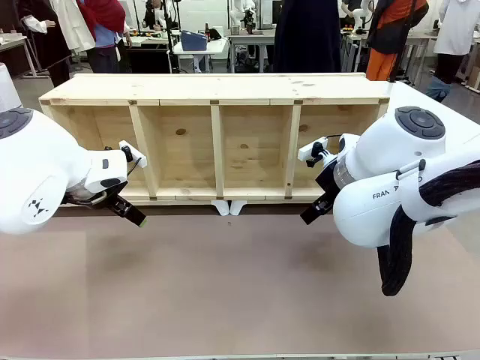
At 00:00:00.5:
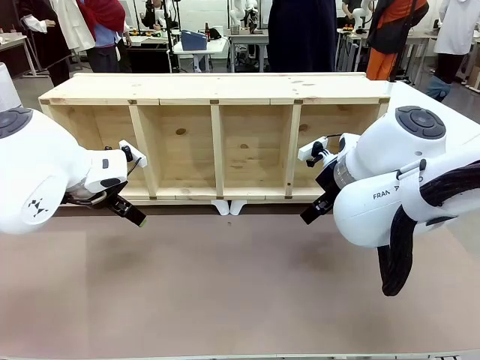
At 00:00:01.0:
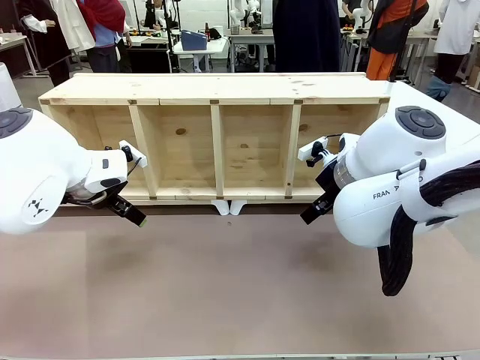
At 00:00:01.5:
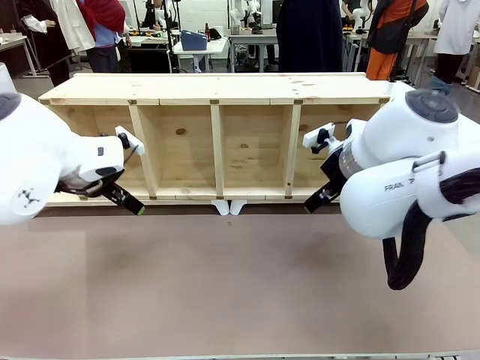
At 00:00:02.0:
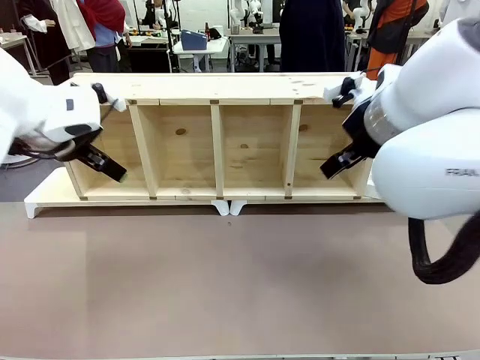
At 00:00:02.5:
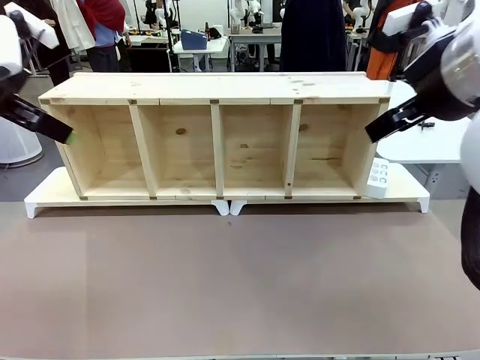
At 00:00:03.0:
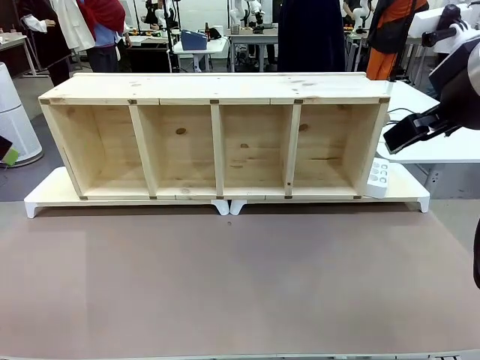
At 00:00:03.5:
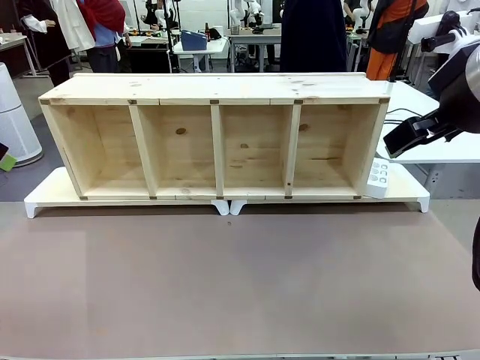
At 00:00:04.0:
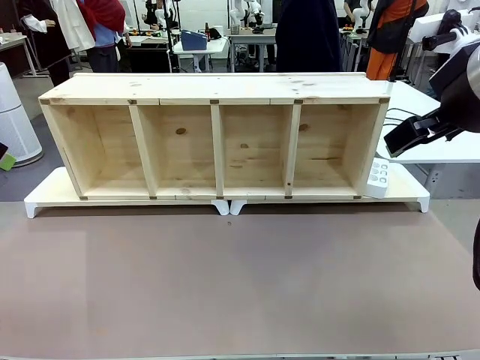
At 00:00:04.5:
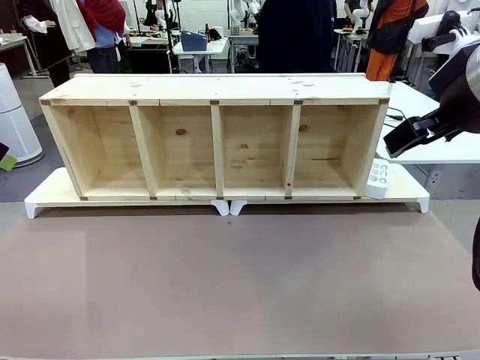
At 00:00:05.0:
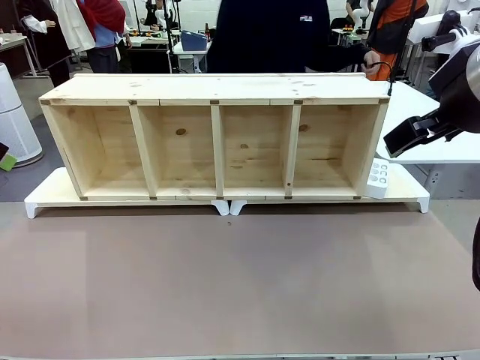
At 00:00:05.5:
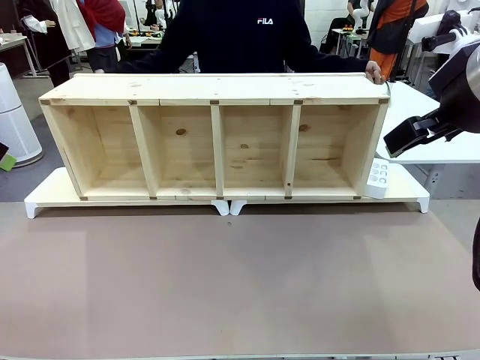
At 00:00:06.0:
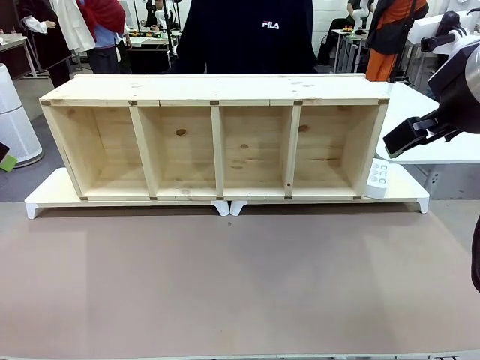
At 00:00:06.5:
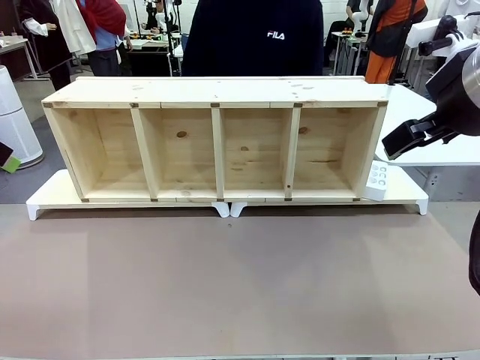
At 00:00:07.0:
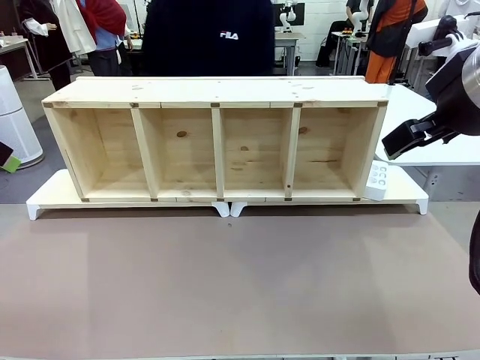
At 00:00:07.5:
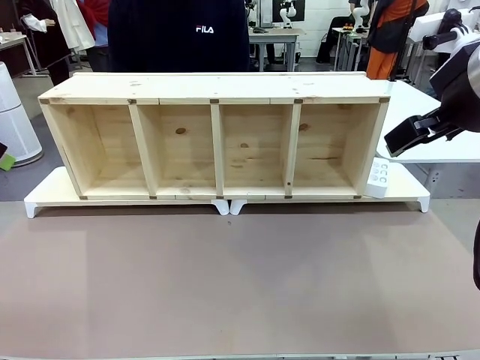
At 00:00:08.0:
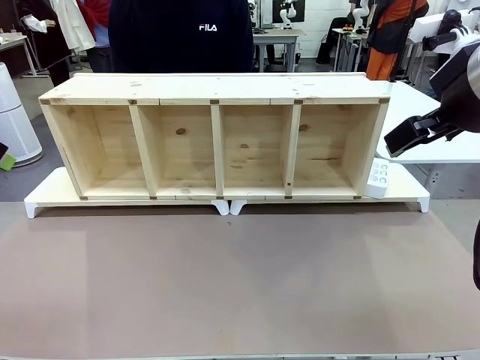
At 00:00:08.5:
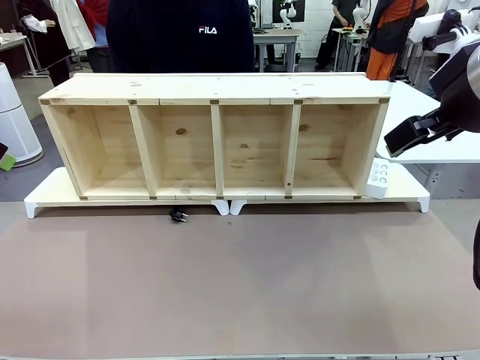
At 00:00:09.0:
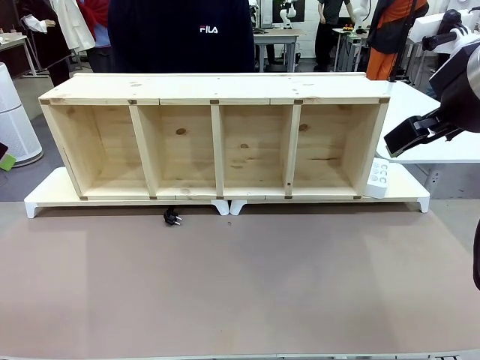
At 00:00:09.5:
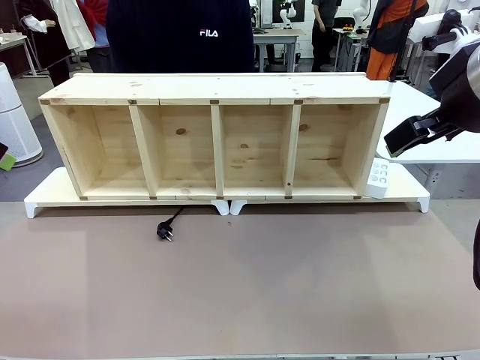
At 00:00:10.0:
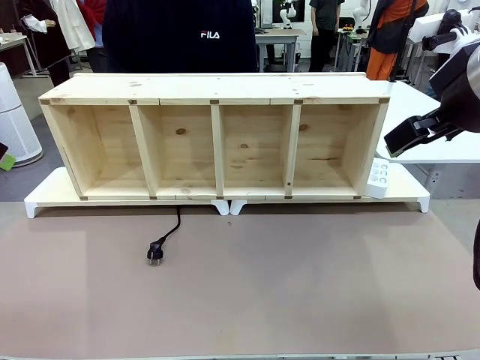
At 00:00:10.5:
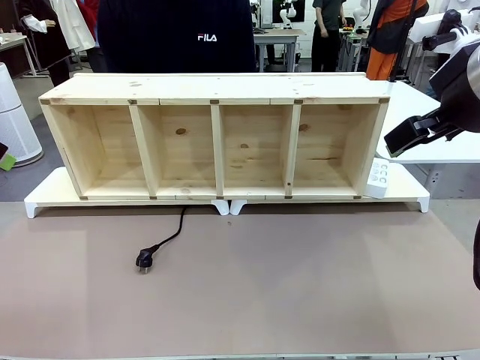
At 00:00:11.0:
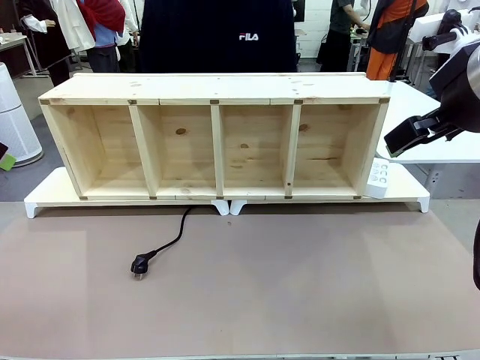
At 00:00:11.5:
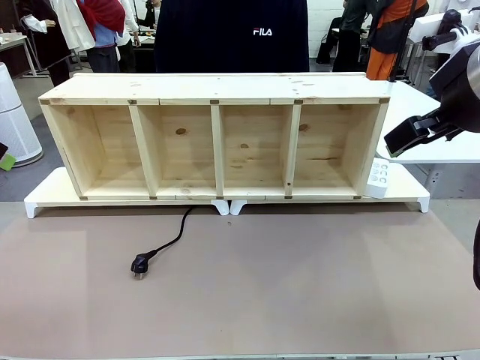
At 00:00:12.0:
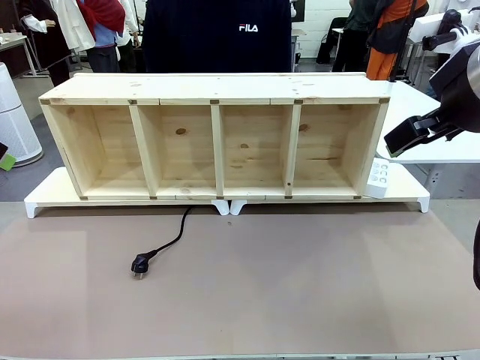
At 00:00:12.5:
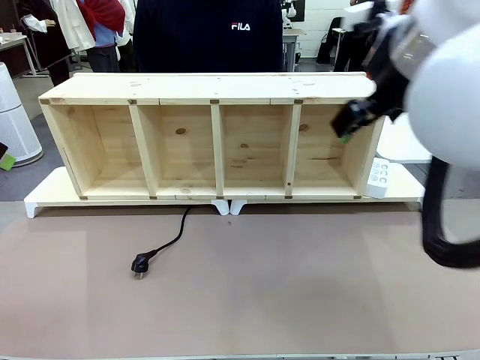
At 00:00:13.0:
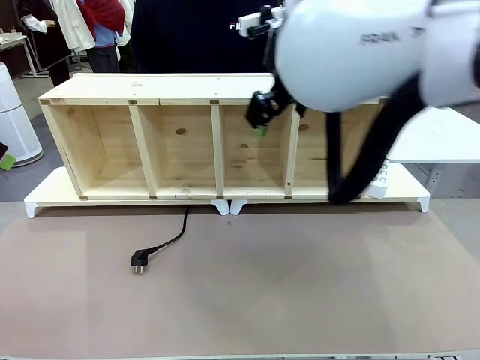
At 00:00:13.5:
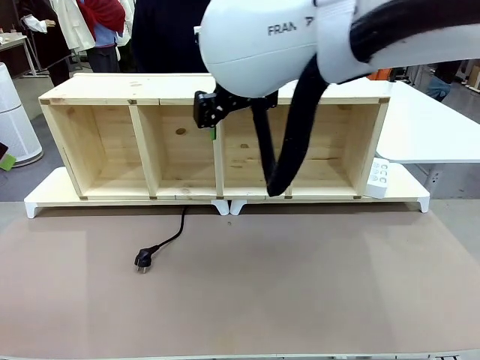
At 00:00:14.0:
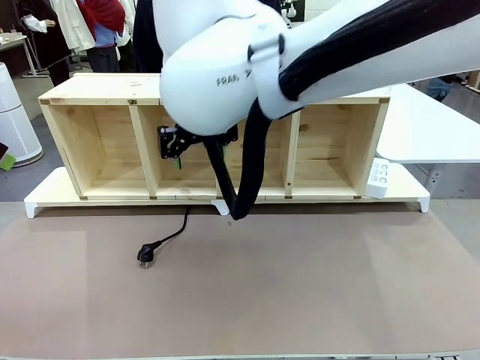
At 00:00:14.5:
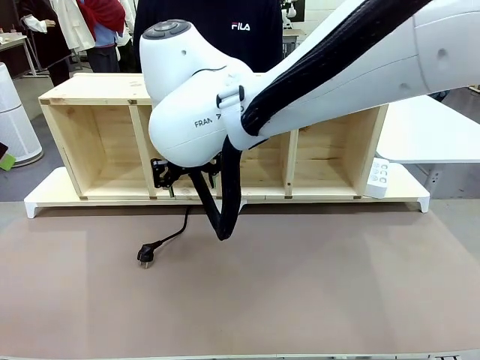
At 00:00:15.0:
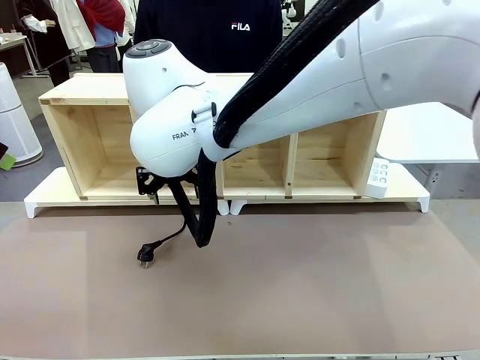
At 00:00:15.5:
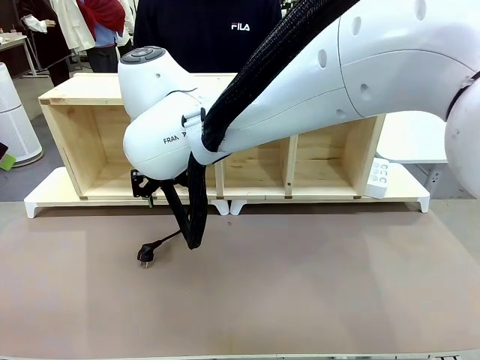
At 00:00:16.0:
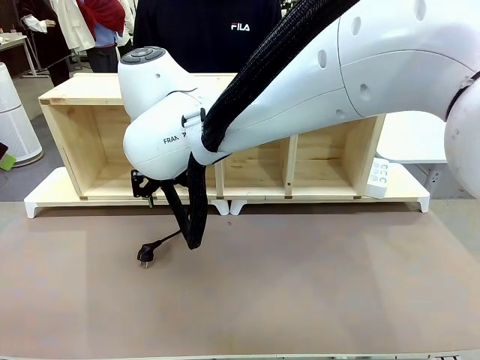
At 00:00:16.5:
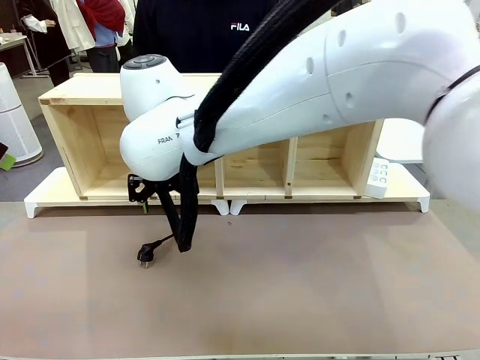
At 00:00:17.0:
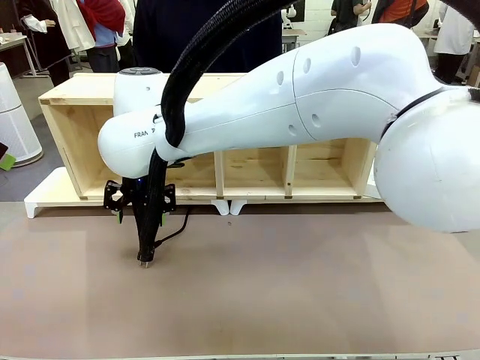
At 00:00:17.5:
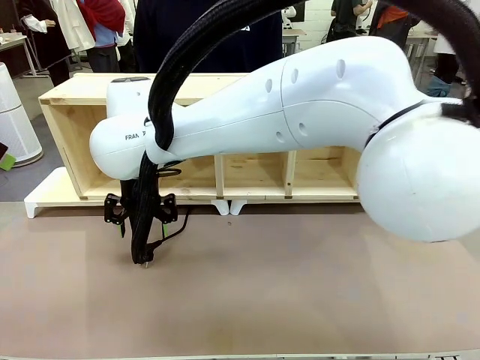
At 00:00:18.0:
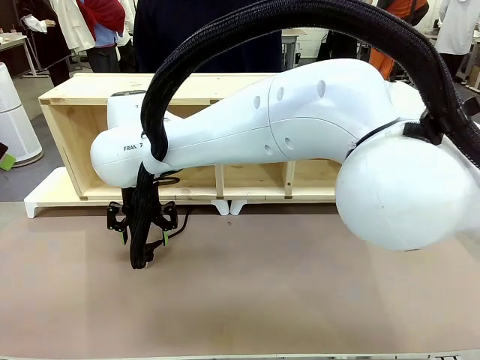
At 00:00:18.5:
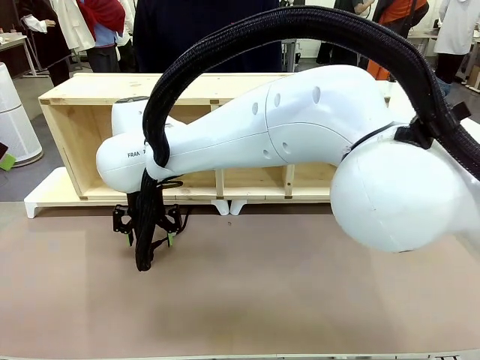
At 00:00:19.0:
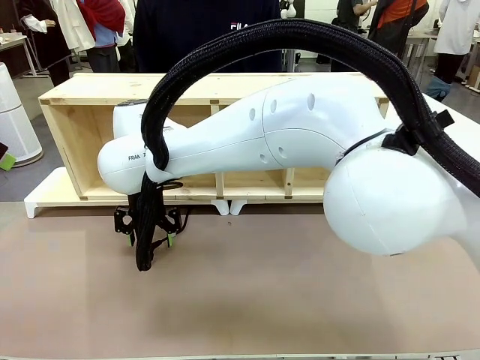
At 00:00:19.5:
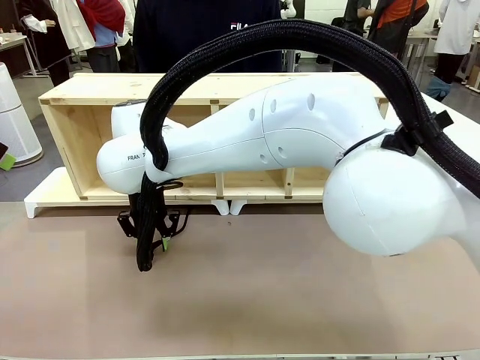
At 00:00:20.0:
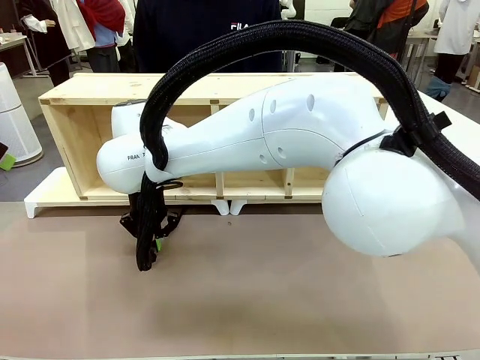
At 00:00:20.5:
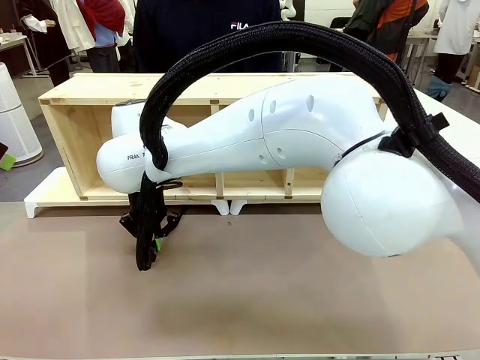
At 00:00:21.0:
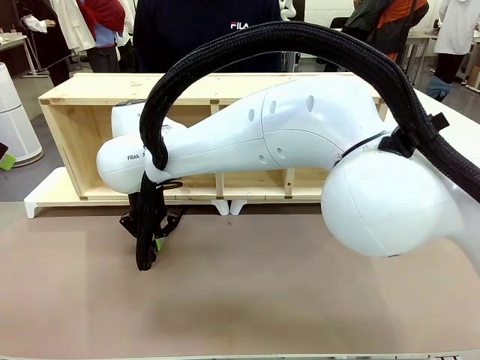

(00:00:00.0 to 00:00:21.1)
Task: Perform cable management.
Robot: When the cord part of the Power Cable appears at the lower middle area of the table and stops, grasp the cord part of the Power Cable.
Person: Pass the Power Cable under the Serving Table.
